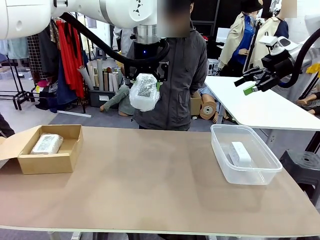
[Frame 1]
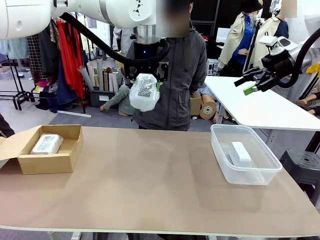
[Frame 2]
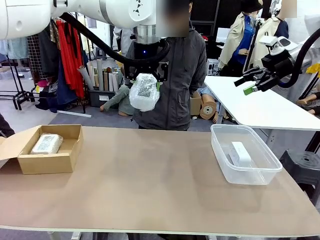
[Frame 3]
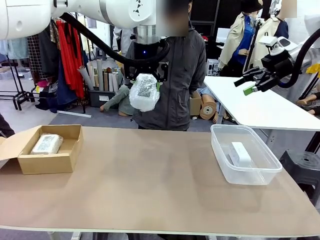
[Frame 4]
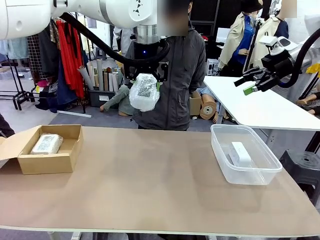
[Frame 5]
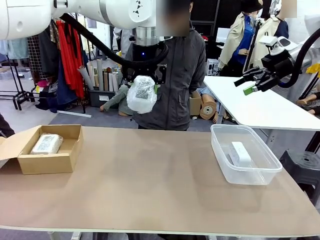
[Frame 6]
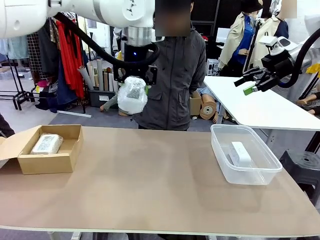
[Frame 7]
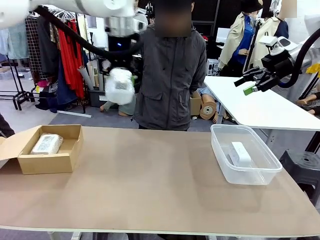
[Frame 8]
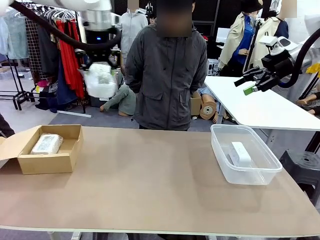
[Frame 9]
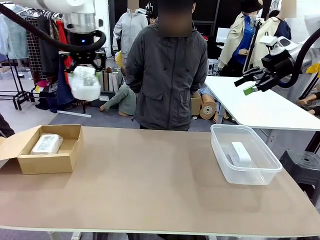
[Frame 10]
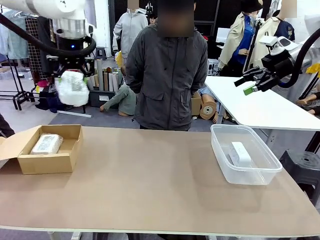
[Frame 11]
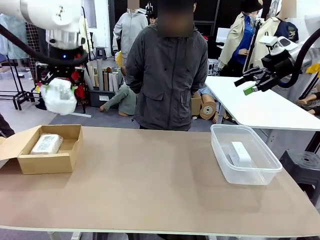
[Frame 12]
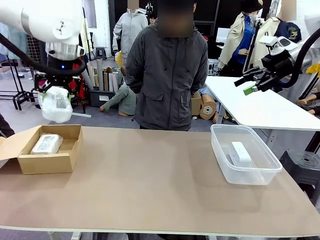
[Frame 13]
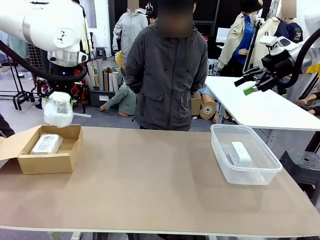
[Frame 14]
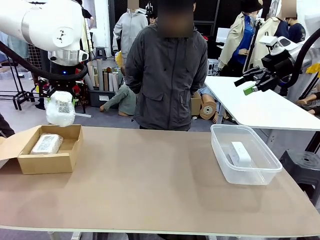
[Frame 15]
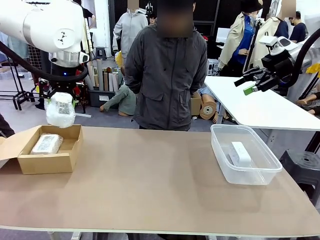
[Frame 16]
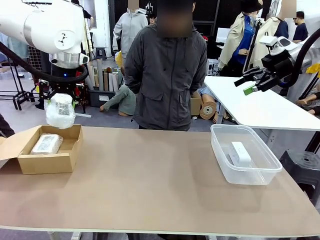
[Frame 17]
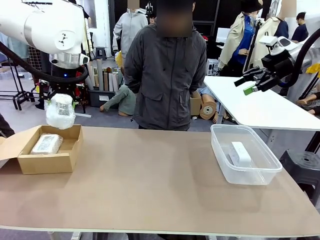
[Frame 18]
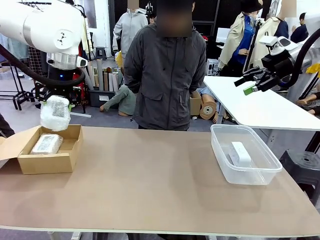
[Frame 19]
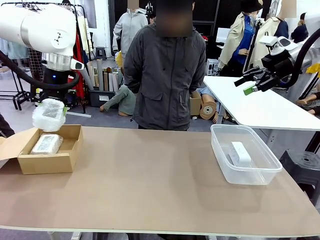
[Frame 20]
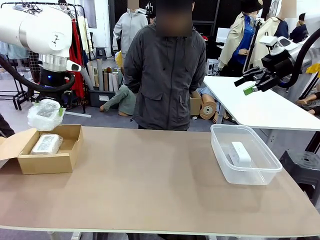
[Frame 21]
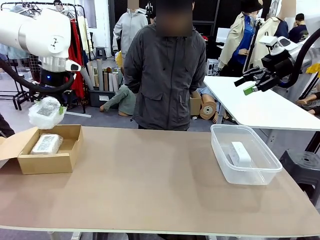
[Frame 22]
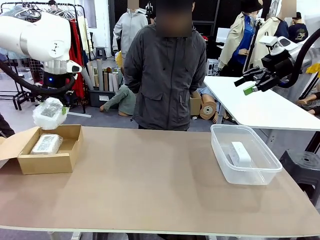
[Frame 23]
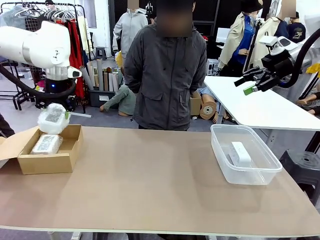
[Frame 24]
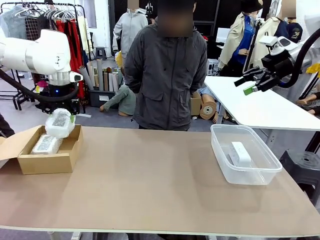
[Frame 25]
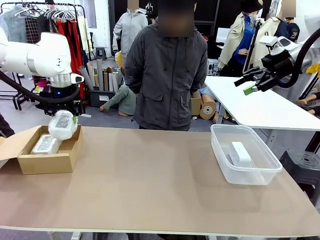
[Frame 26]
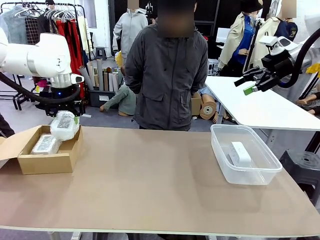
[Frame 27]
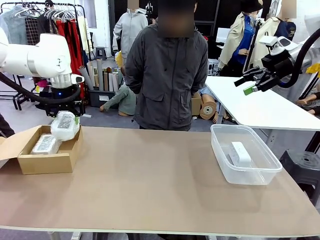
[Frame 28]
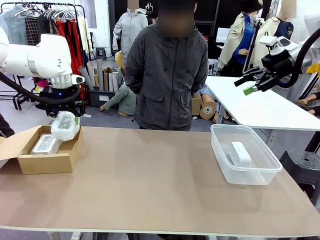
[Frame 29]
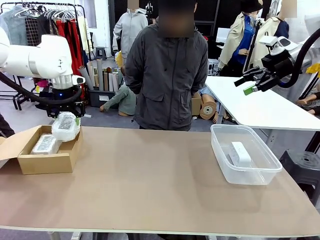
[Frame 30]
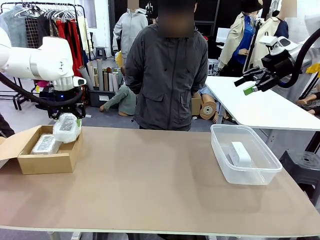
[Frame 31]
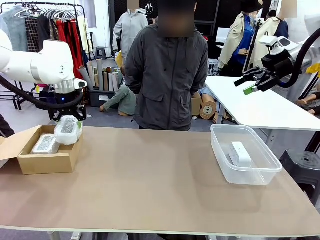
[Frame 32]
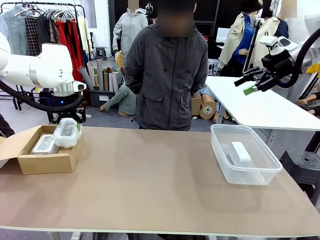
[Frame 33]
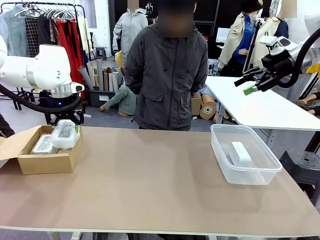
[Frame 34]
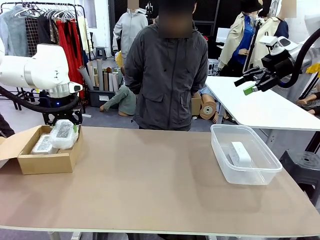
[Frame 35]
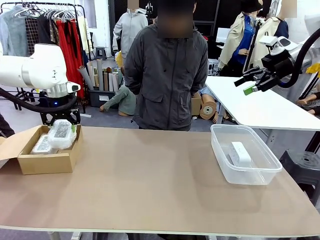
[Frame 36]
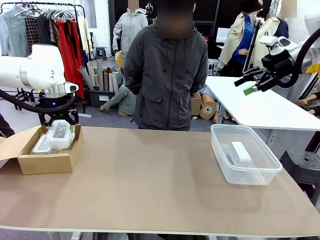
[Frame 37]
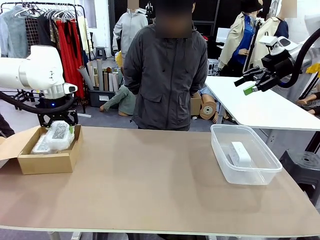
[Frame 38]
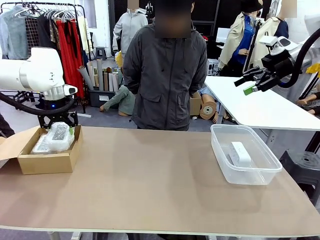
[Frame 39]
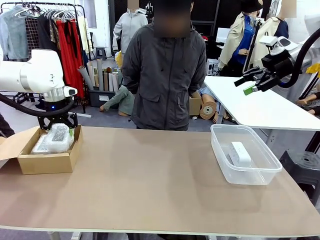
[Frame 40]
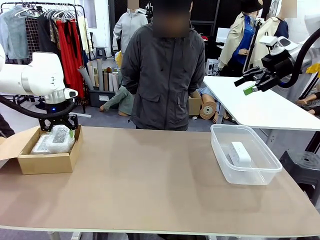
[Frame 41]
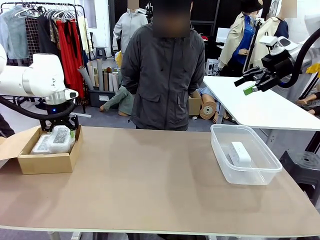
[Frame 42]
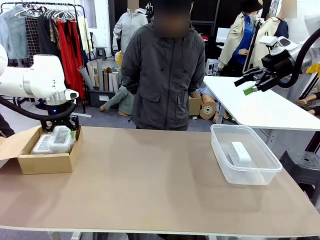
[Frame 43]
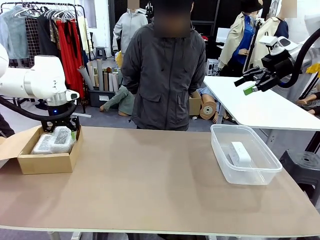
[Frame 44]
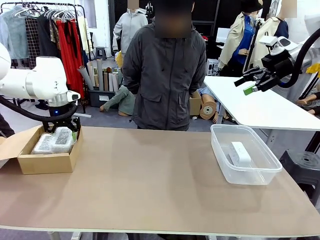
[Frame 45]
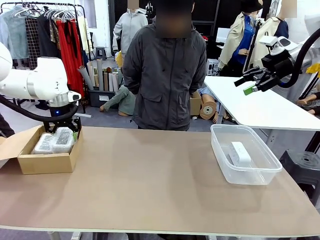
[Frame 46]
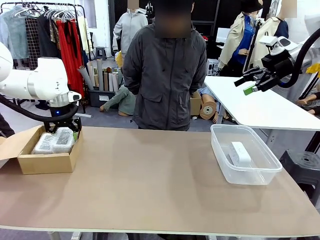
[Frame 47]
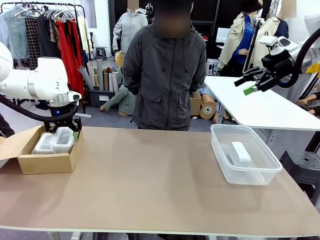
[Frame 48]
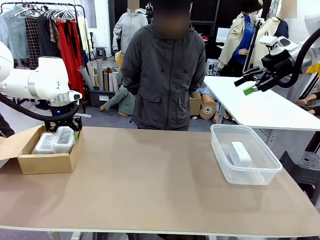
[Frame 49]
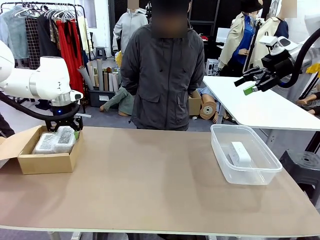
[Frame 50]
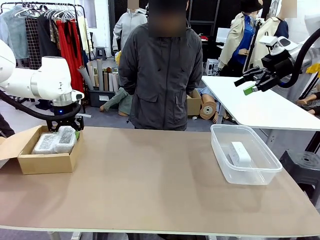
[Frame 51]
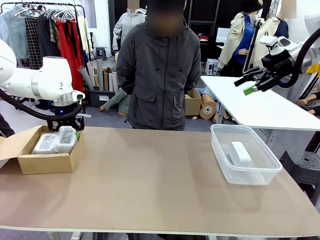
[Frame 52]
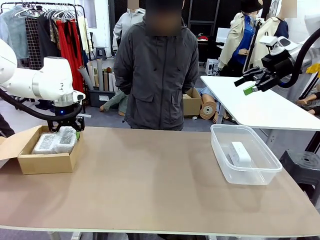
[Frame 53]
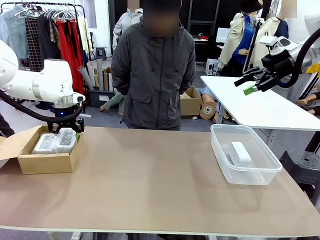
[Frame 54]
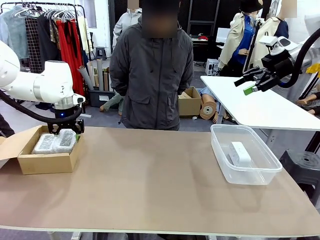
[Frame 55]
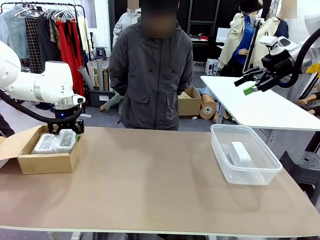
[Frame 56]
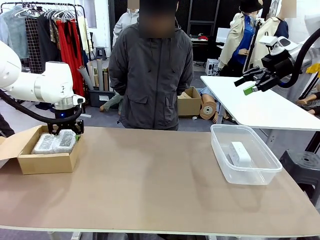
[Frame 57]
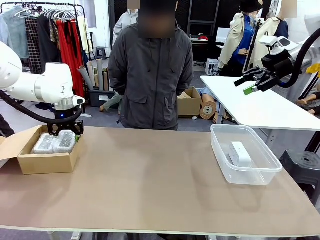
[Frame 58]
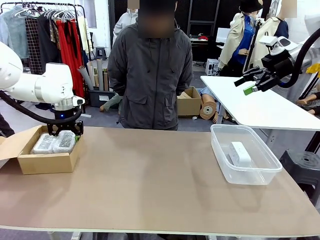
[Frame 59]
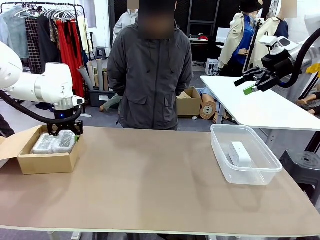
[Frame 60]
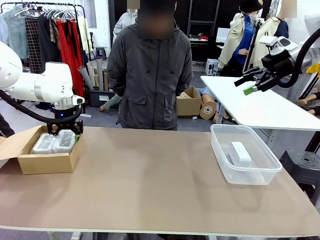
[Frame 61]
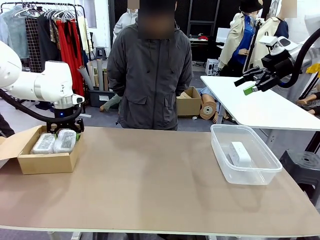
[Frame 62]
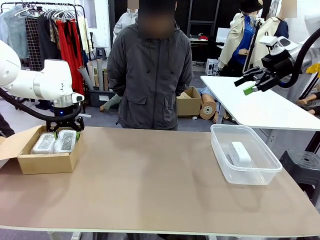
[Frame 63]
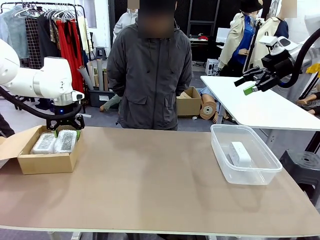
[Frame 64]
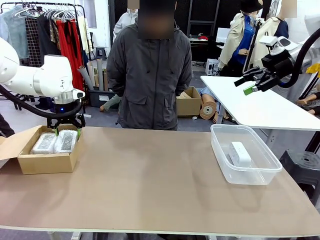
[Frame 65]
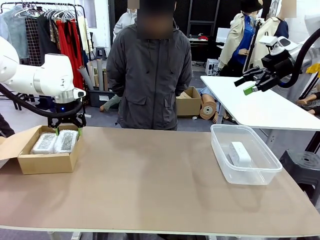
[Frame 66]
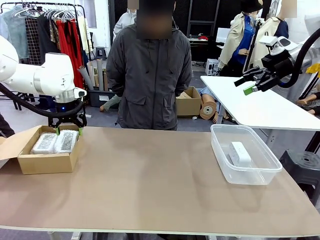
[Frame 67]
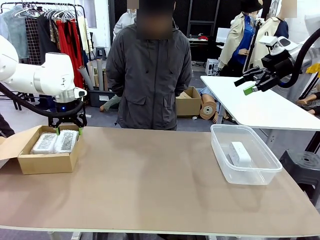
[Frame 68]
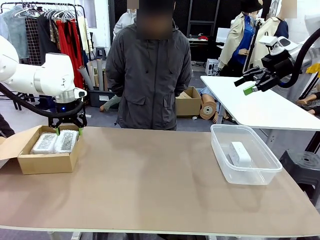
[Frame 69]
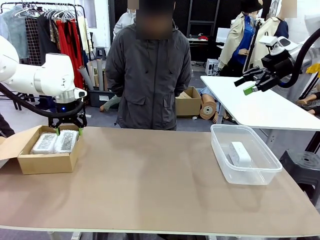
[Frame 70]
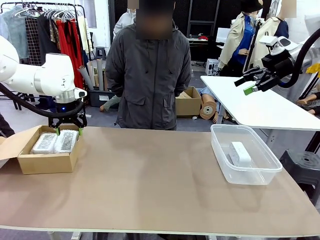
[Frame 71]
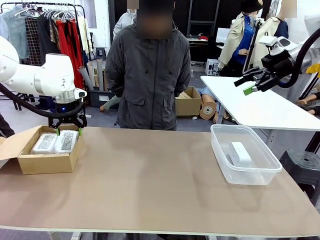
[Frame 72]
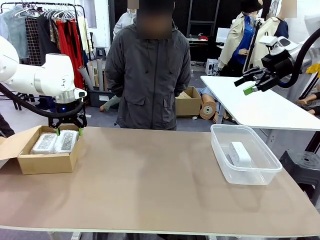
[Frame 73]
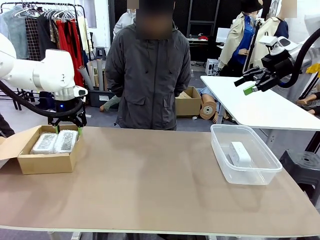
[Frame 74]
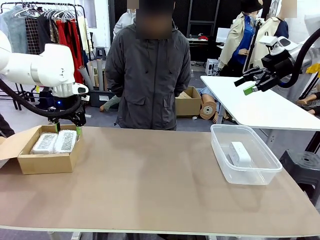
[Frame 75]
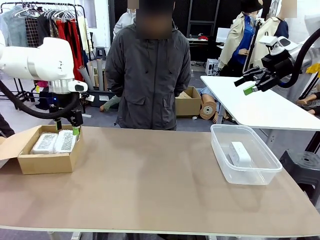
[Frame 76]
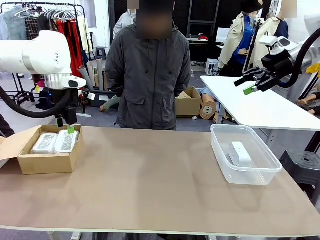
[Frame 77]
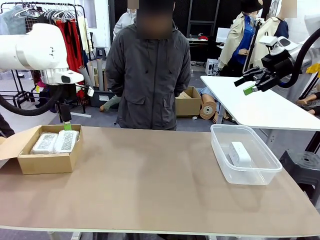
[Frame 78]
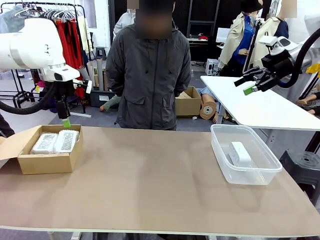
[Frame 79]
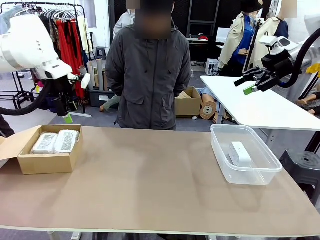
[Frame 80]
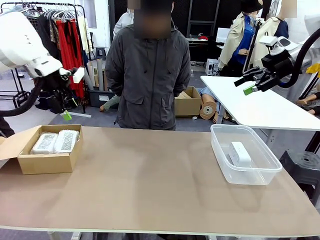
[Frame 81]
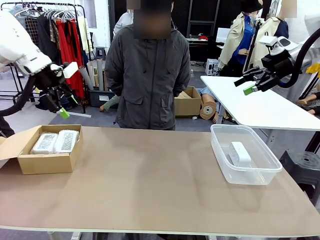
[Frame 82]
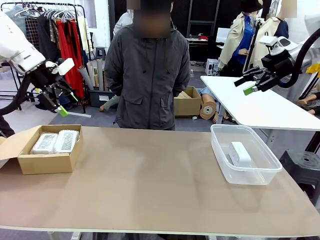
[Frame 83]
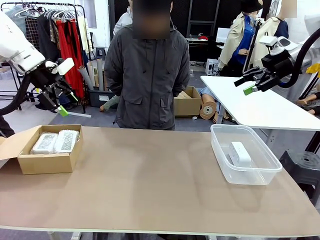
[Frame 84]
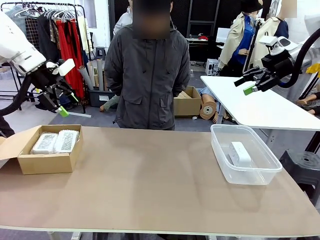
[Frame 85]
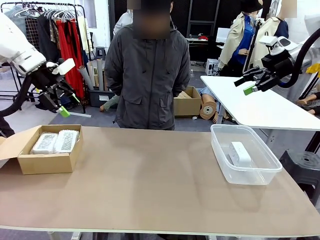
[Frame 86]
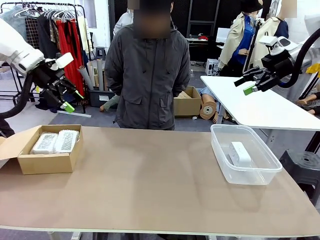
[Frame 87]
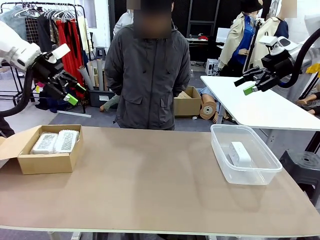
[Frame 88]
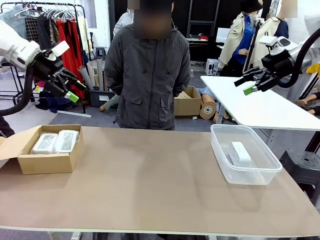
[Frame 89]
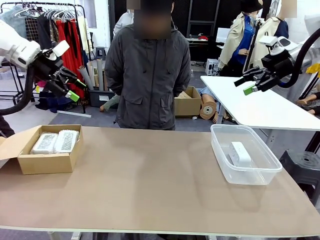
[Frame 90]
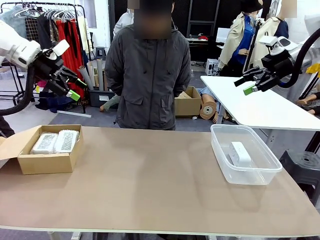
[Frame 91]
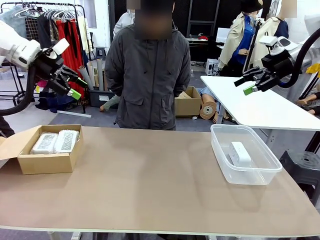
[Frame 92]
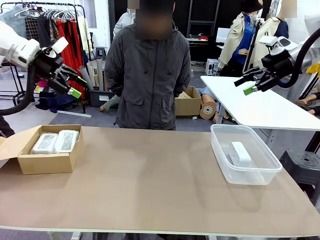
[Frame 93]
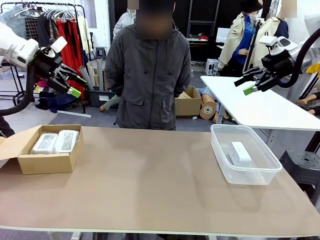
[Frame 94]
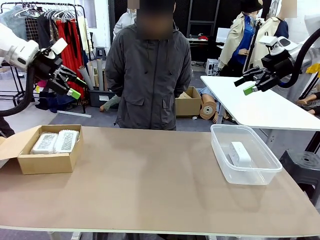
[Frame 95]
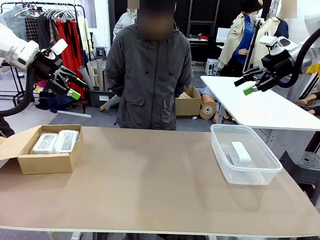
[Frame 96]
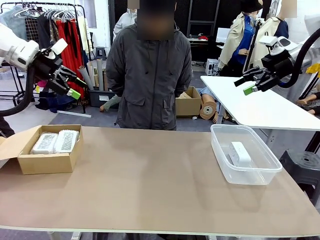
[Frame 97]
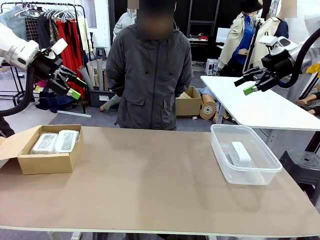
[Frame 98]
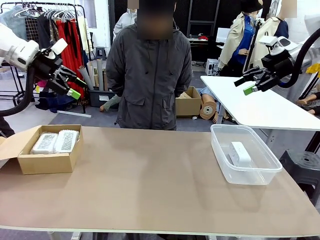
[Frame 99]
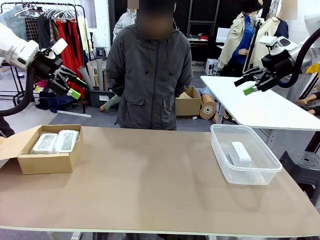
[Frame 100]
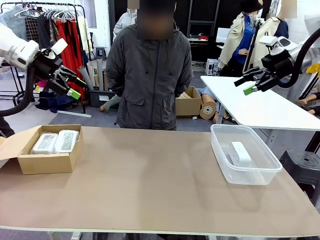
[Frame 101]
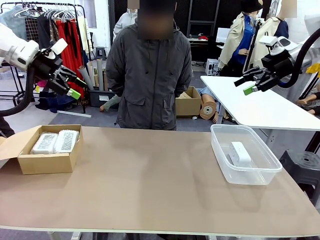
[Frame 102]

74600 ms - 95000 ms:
Task: Separate and place wrapped and unwrapped clocks.
Robot: If the picked Digital clock is wrapped, place it in the Package Box ; if not, place it in the Organizing box.
